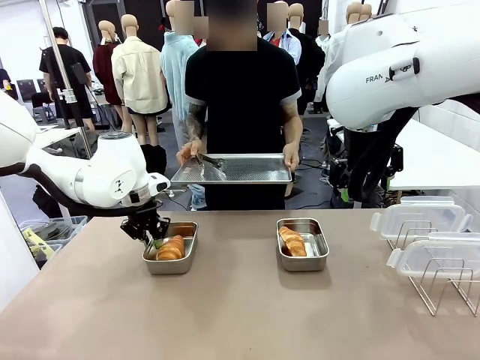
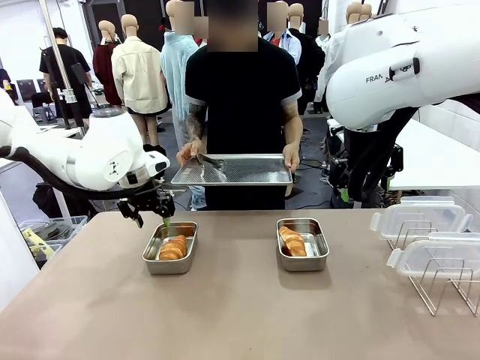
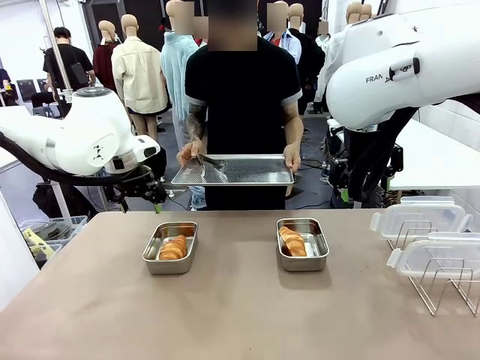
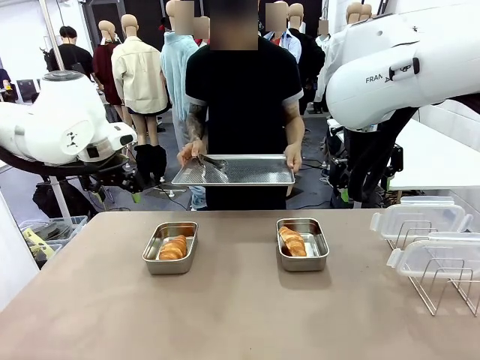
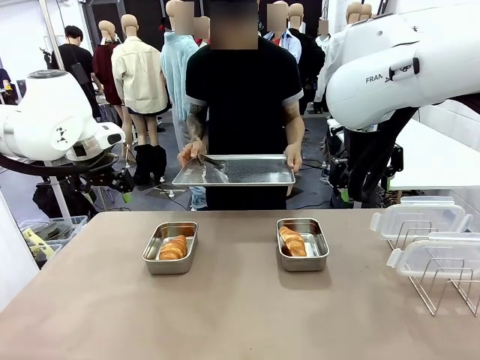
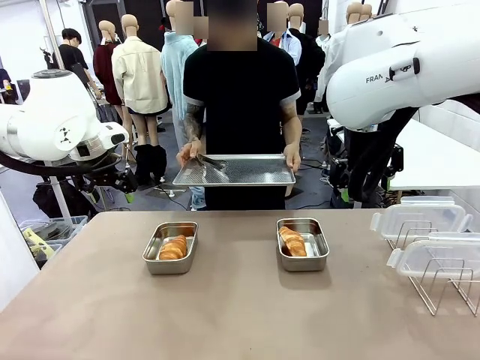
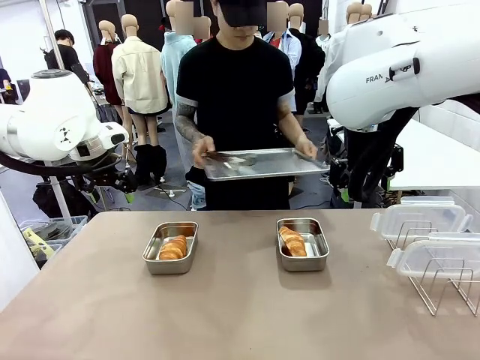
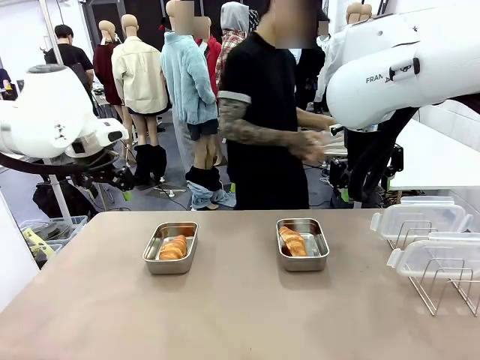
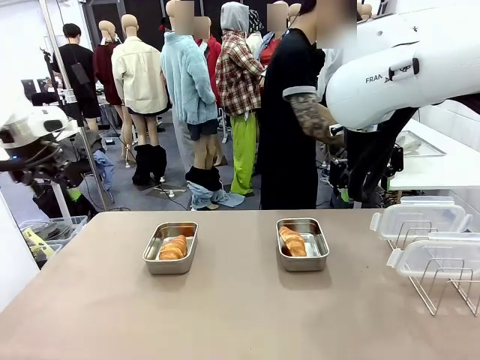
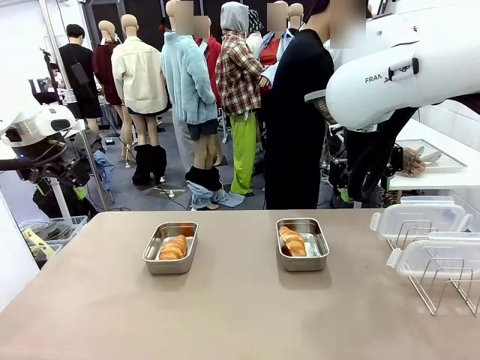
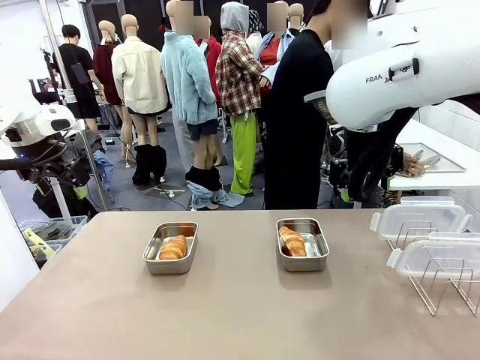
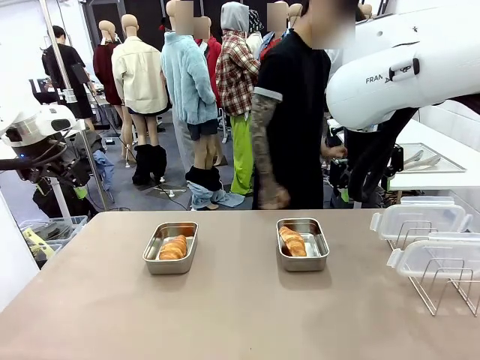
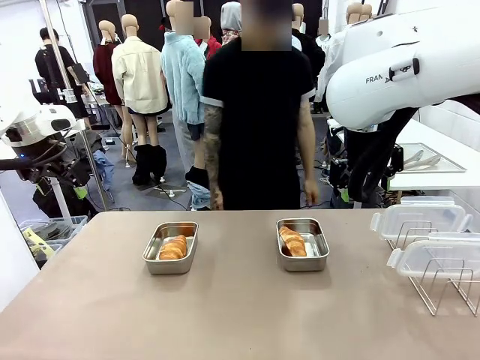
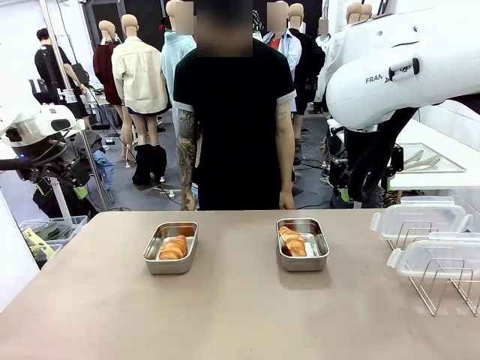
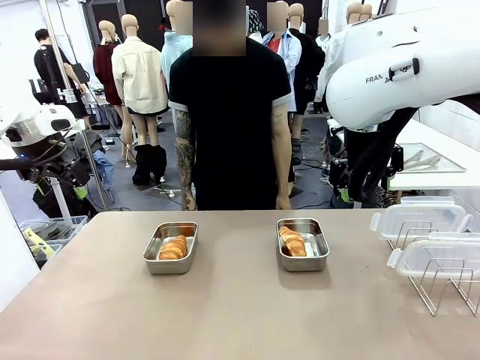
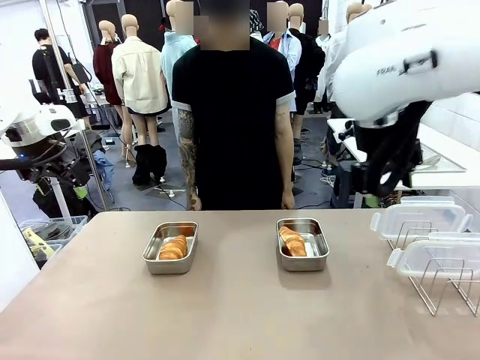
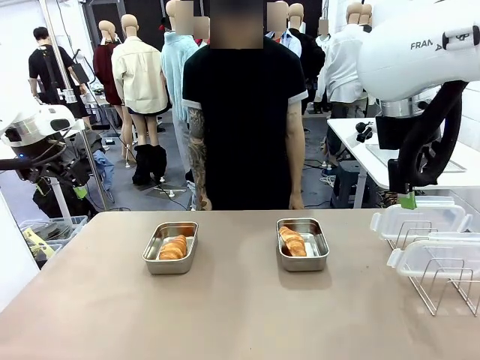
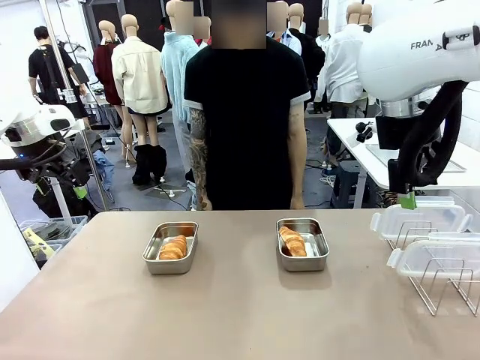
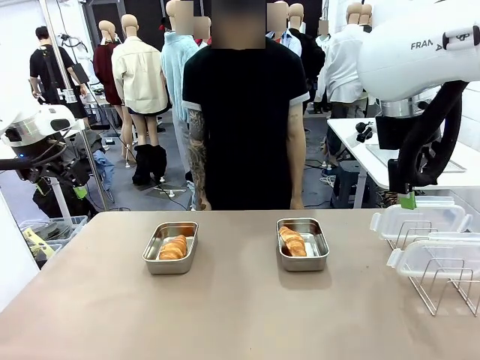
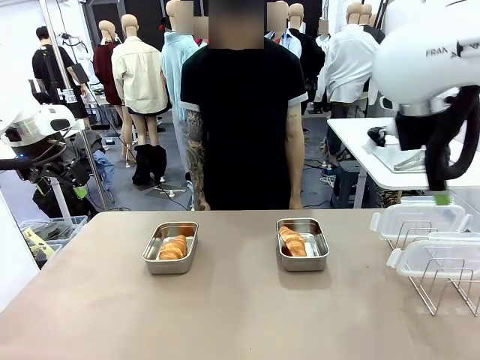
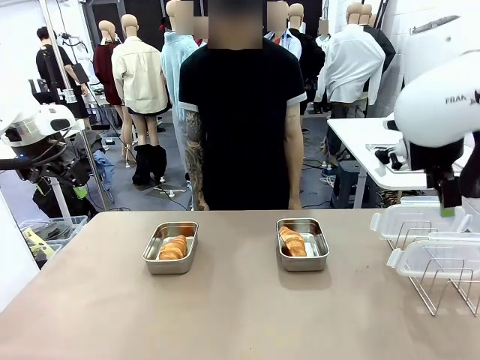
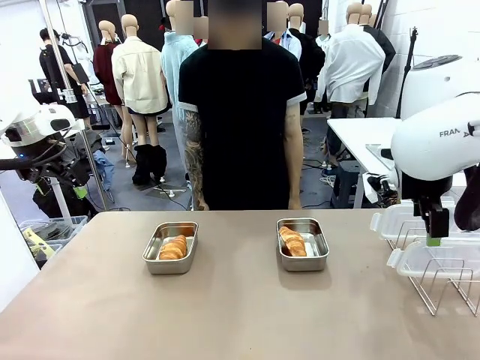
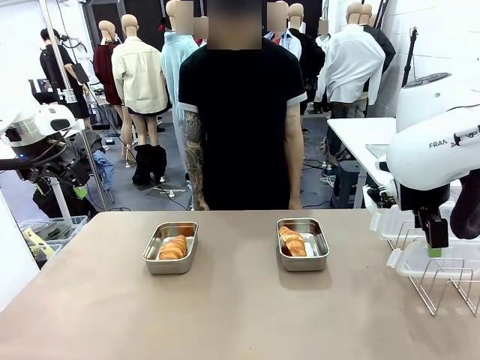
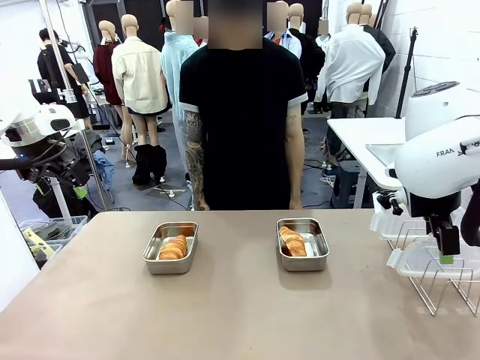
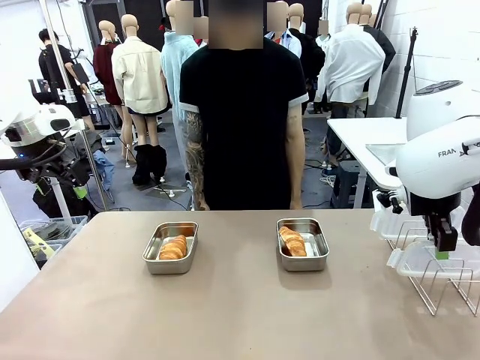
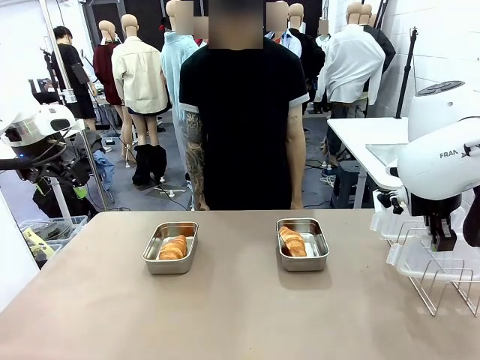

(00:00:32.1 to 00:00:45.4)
Task: Place the bread in airtight containers.
Robot: Pick up one Airtight Container lid and hand it to the human.
Person: Place Baking Sheet on the Human's Table. Grip Airtight Container lid that robot is handing.

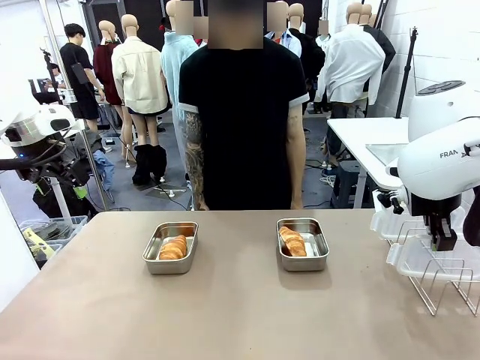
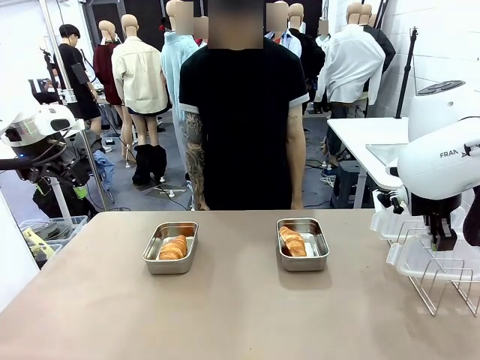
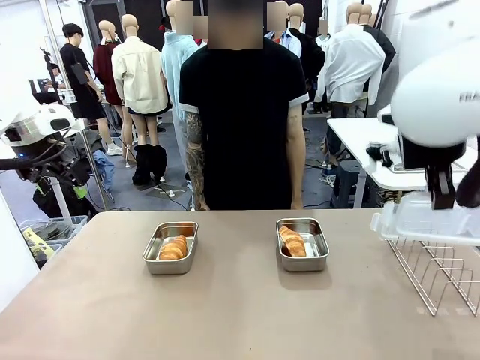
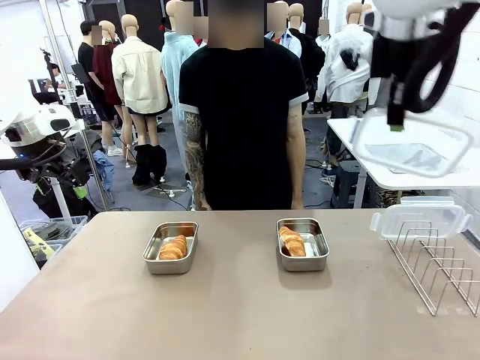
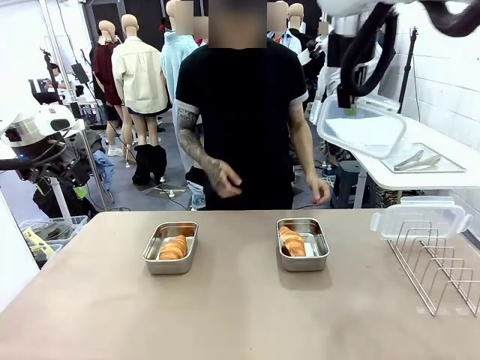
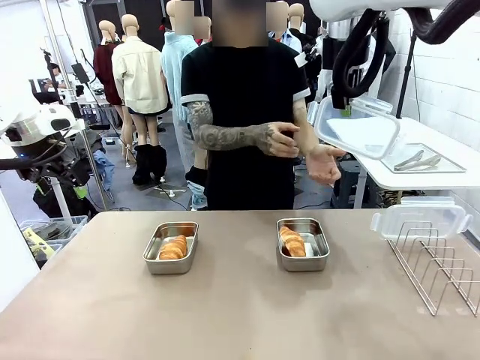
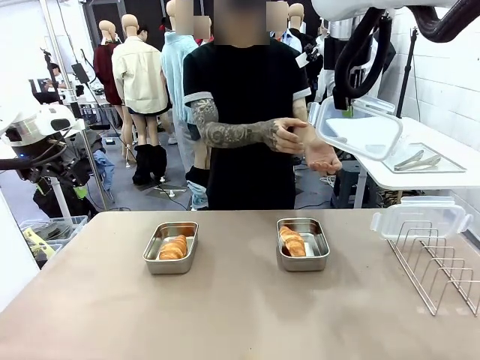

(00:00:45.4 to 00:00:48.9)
Robot: Release when the human grabs the Airtight Container lid.

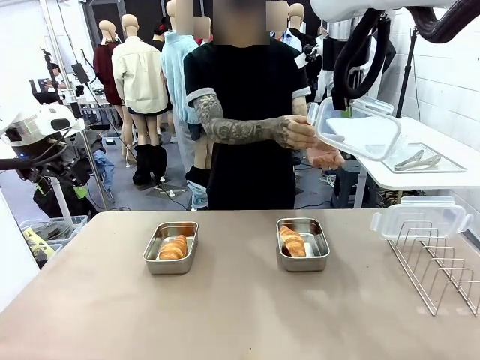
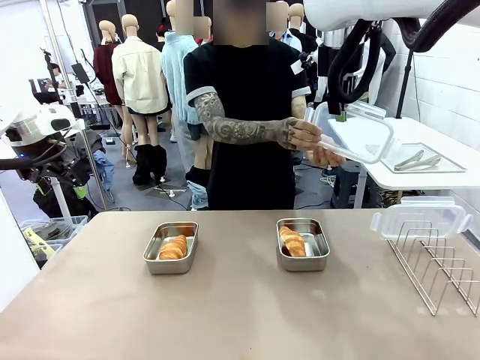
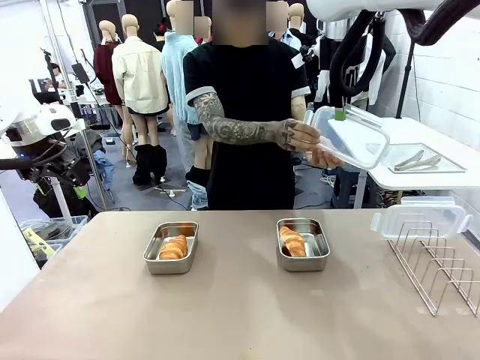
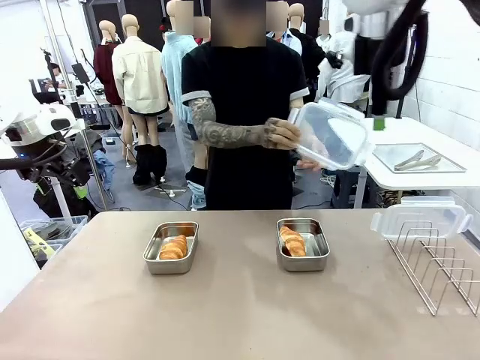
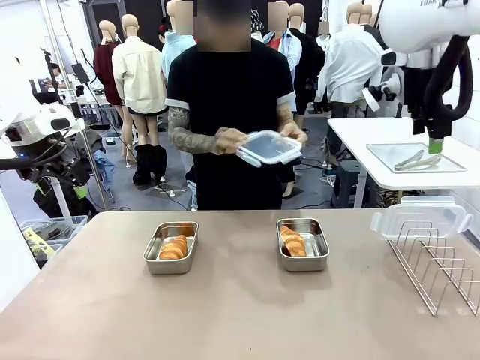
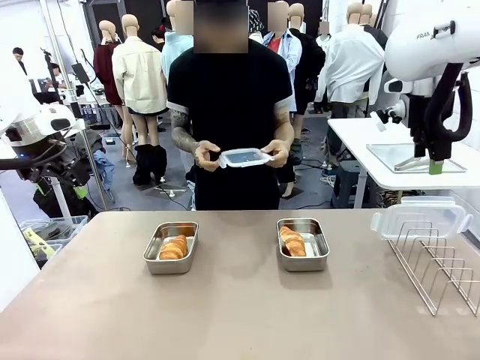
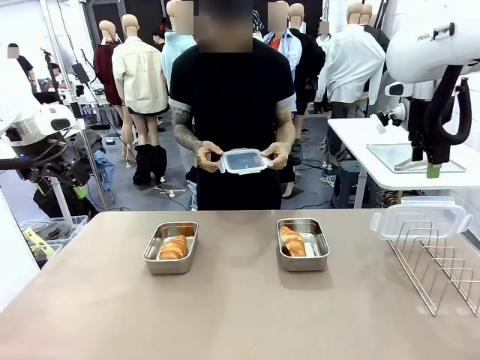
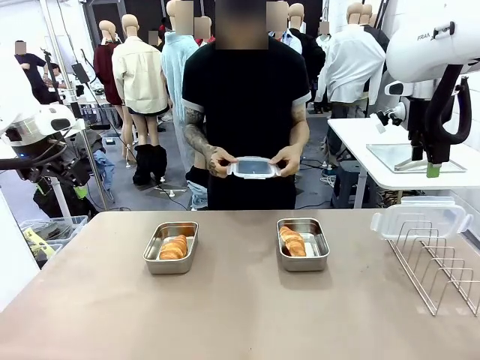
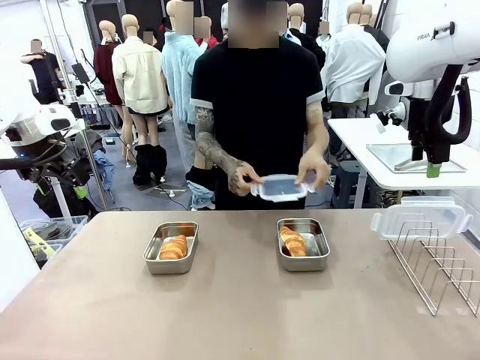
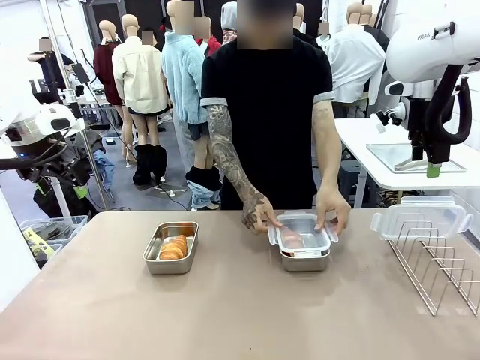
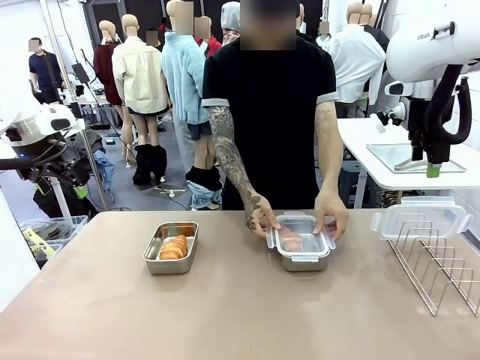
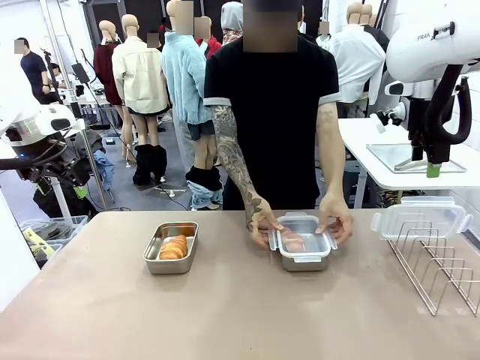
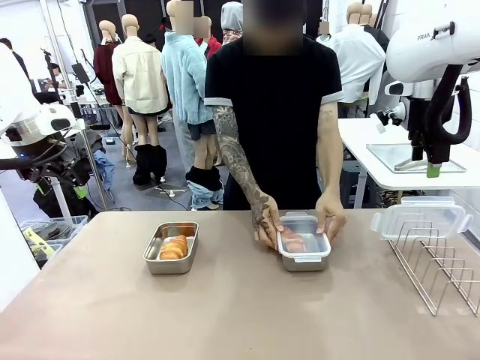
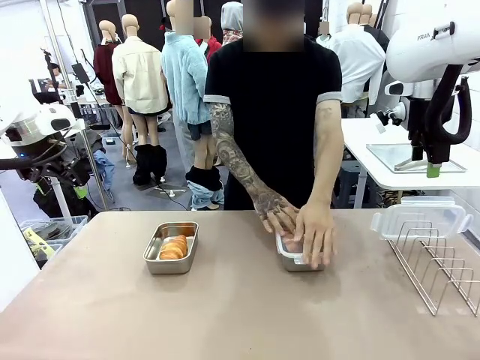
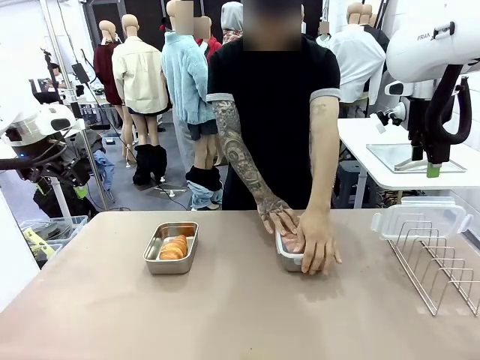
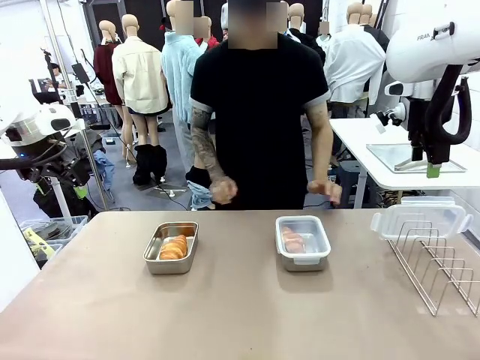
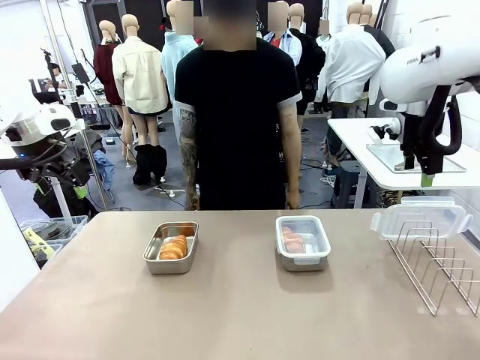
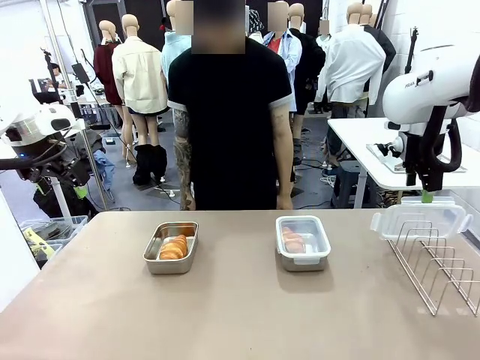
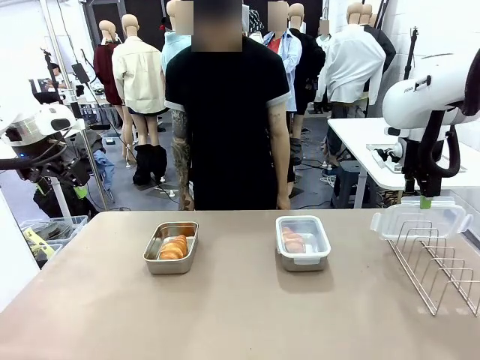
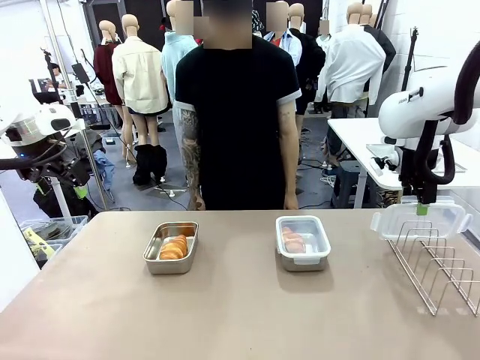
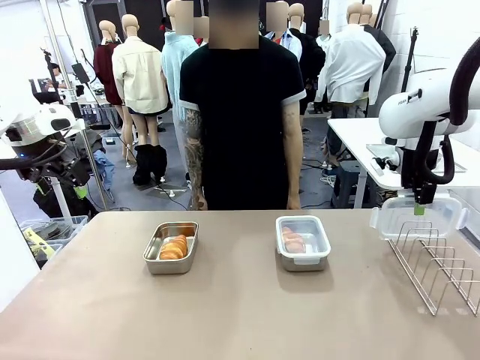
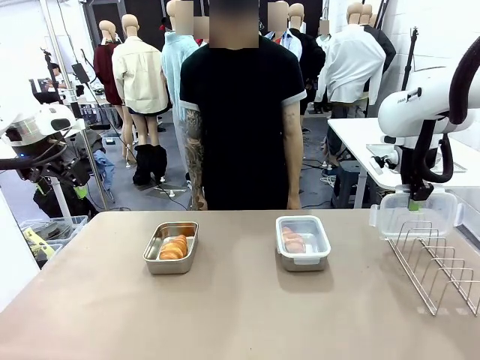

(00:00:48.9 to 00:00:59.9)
Robot: Pick up one Airtight Container lid and hand it to the human.
Person: Close Airtight Container with a handed Airtight Container lid.

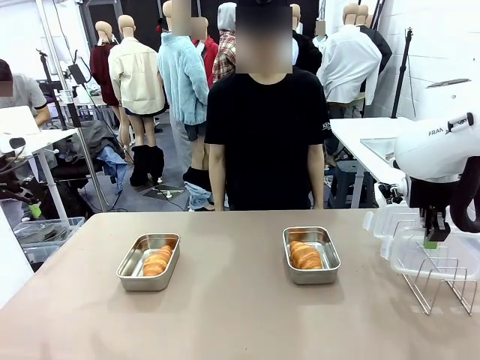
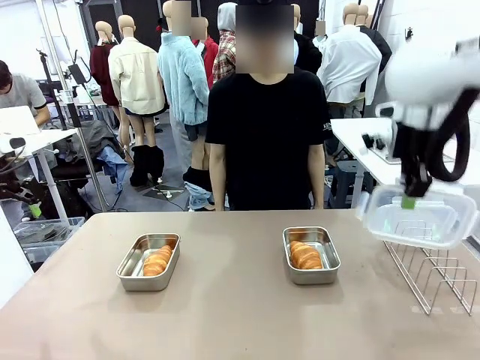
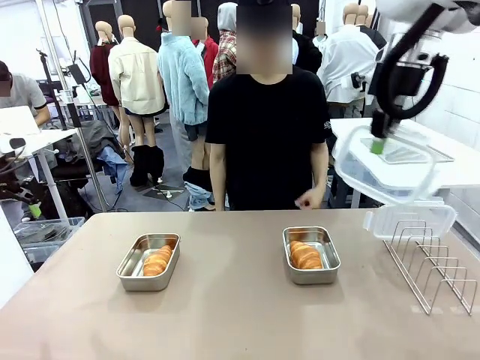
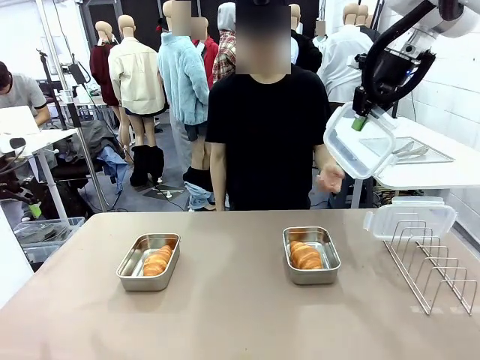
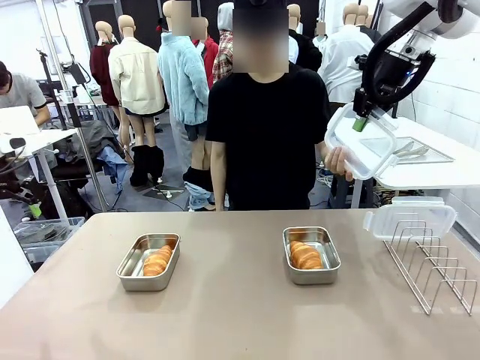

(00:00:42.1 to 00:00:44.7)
Task: Place the bread in airtight containers.
Robot: Release when the human grabs the Airtight Container lid.
